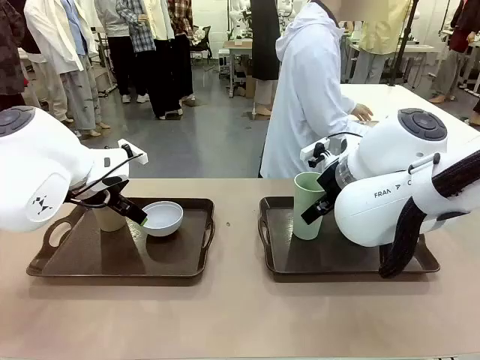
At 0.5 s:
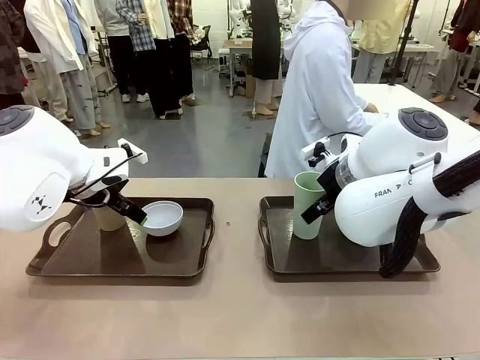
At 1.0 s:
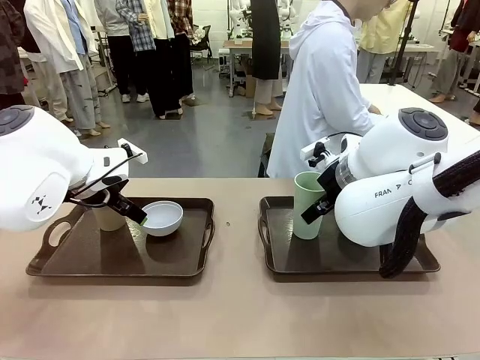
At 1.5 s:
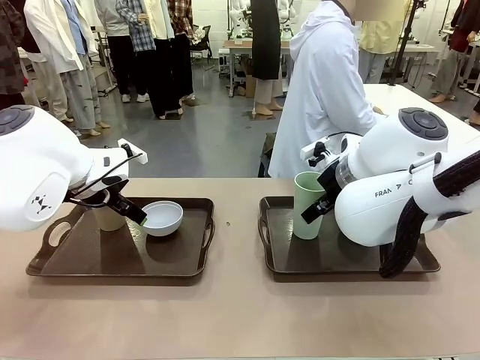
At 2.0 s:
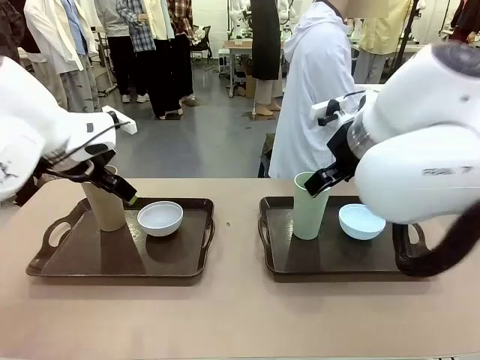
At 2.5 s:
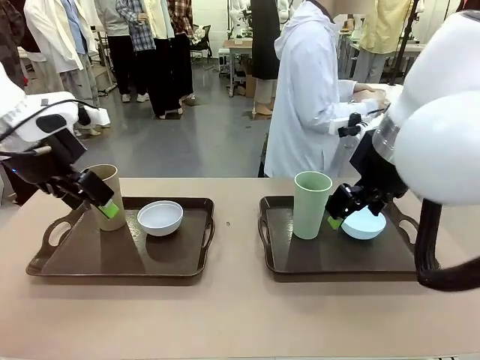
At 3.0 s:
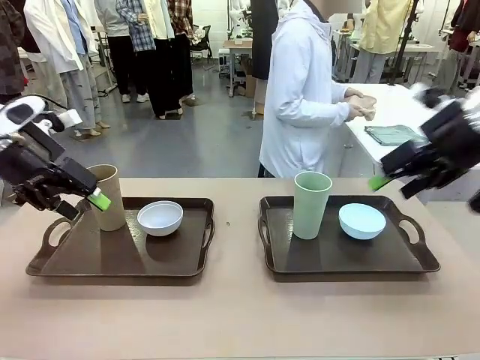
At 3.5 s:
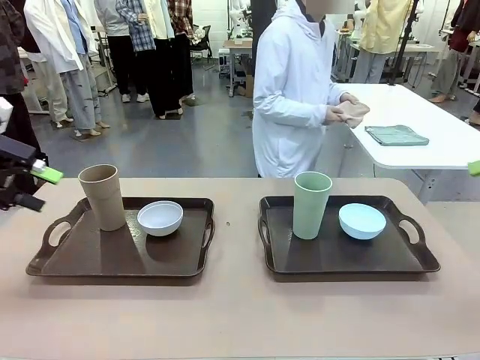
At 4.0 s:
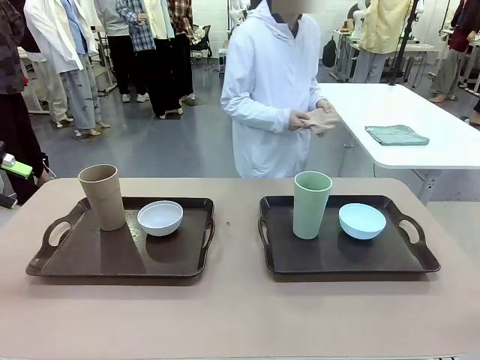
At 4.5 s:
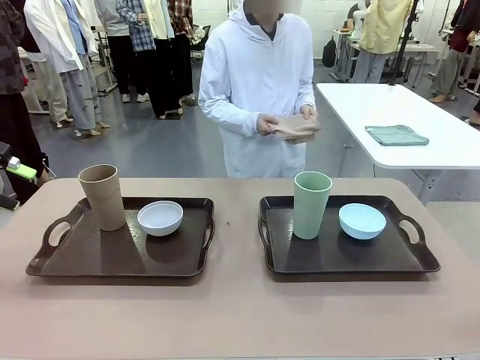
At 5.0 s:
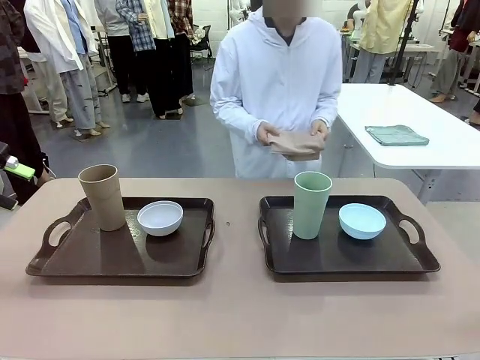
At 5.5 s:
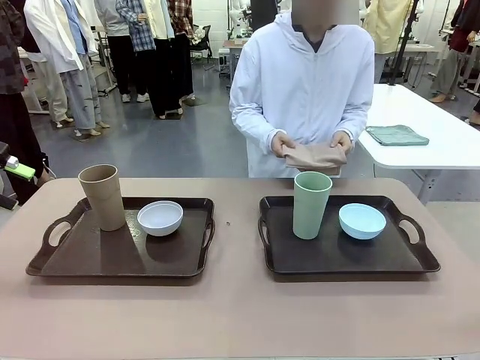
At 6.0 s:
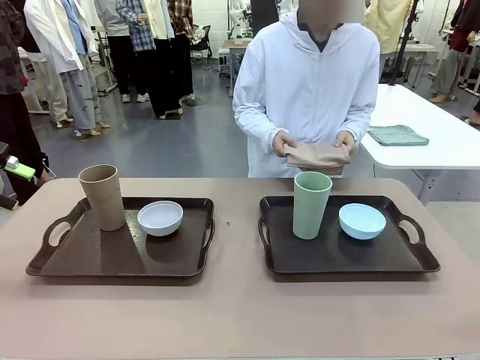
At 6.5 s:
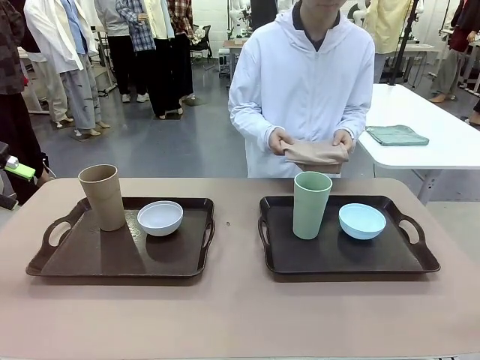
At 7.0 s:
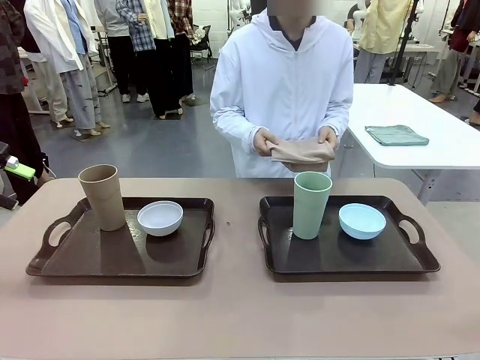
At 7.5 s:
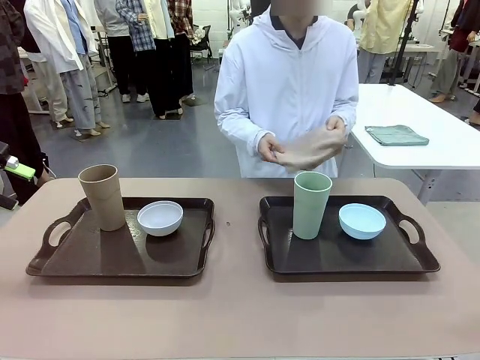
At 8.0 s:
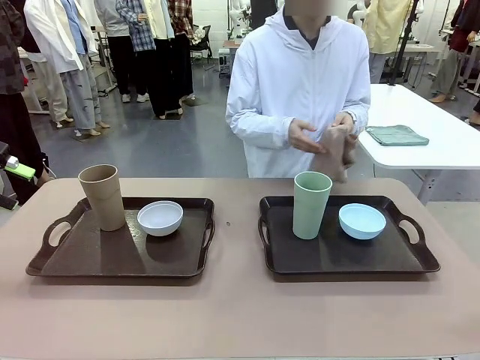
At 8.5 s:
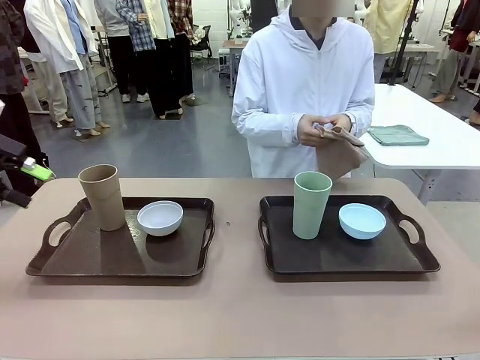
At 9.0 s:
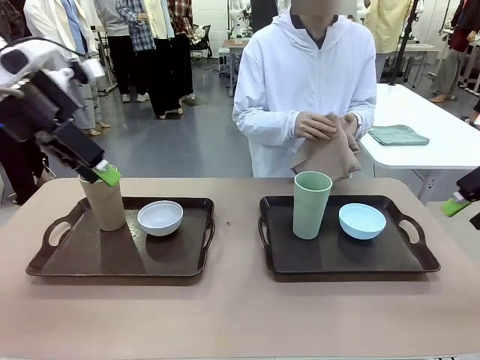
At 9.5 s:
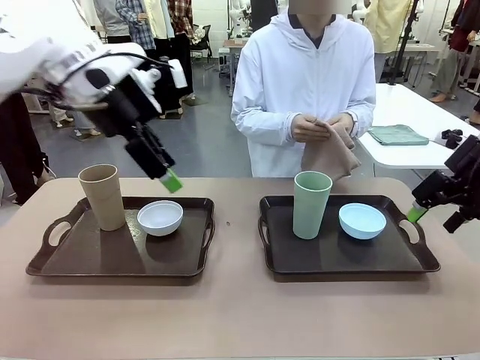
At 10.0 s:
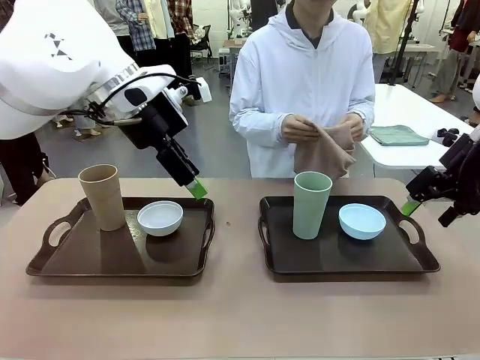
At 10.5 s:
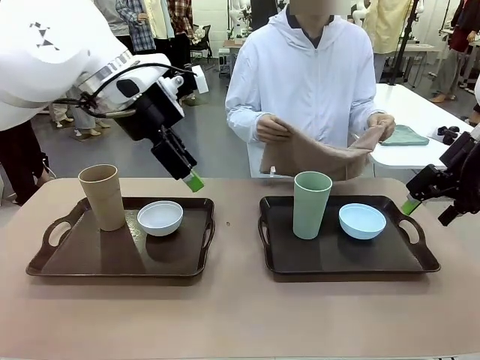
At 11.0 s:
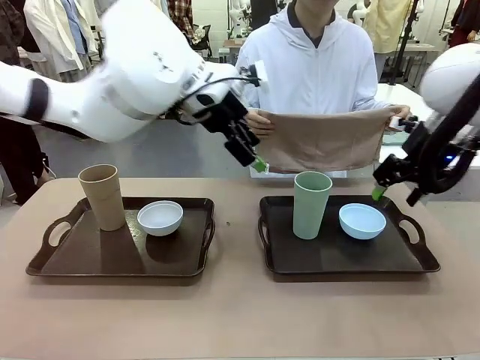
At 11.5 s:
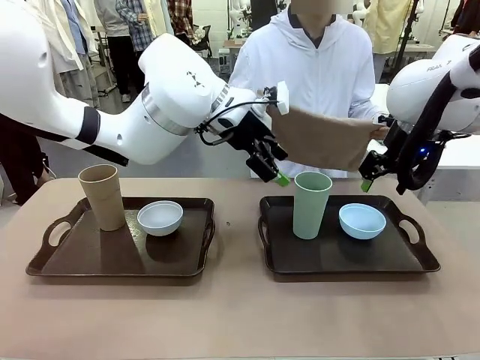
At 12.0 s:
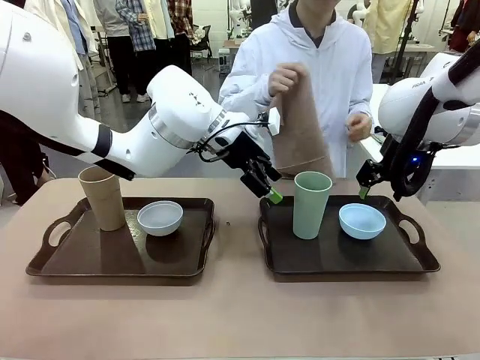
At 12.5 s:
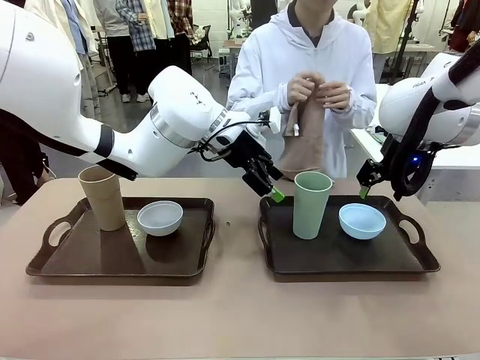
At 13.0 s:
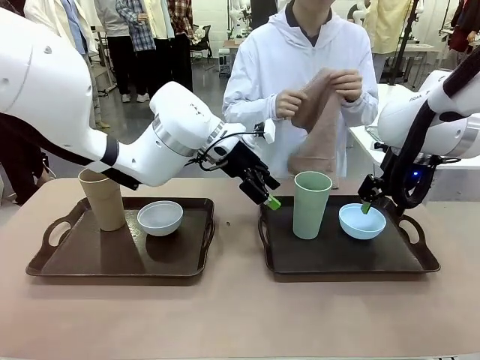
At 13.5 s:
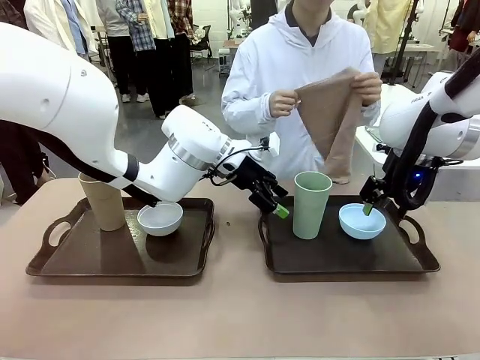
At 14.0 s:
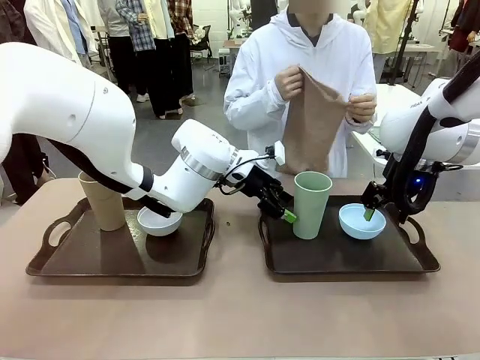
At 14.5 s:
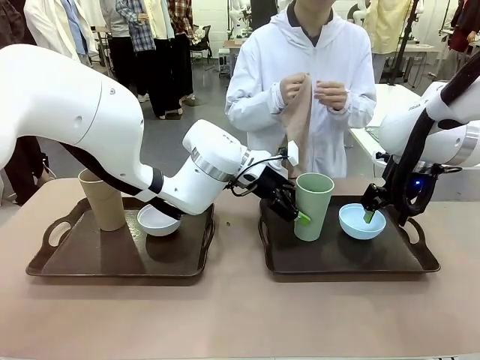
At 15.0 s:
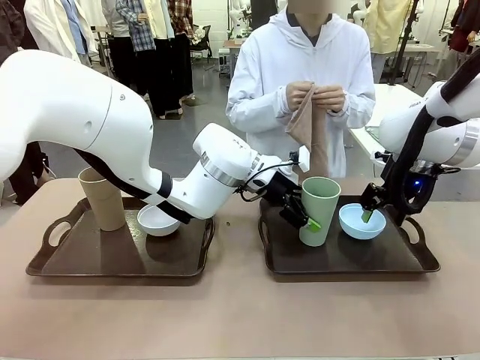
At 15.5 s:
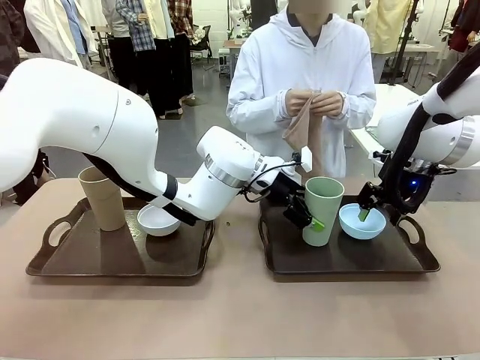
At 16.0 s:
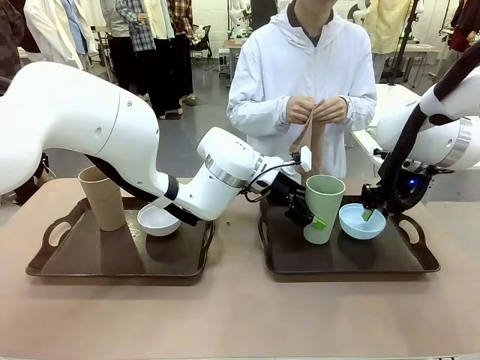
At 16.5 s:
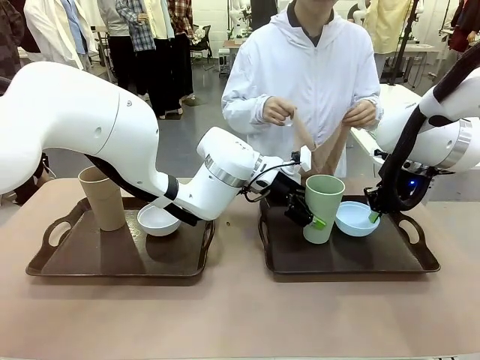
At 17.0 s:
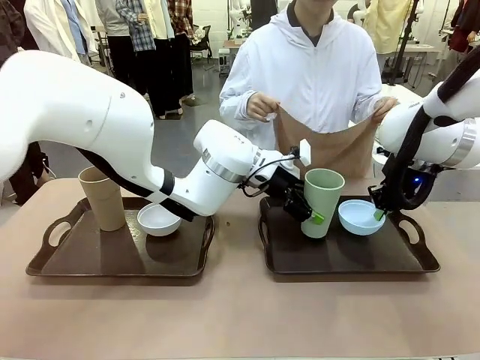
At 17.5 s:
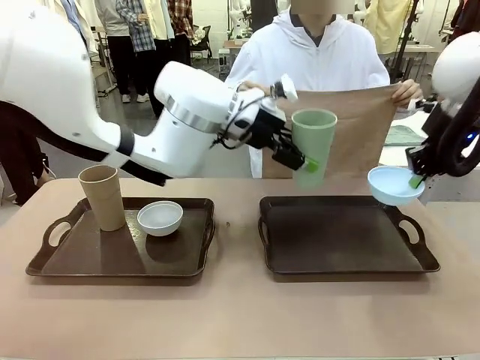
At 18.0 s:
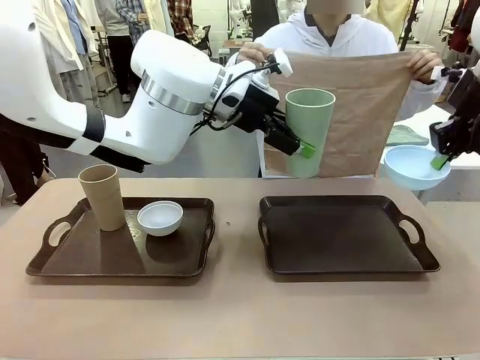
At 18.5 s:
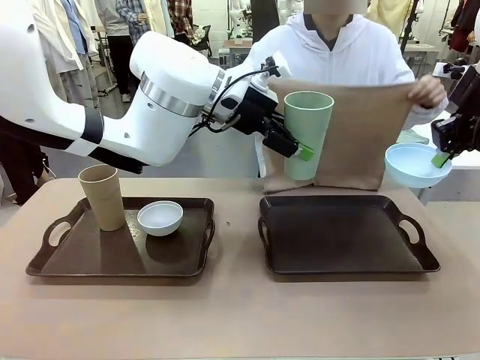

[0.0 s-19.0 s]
Robot: Pick up the Picnic Bowl and Reusable plastic cup from the Handle tray in front of the human's position and hold them in the air.
Person: The human picks up the top napkin from the stack on the human table and walks to the robot table to stand in front of one of the two trays. When the robot lifts the bowl and the cup, the human unfolds the napkin and lays the napkin flat on the tray.

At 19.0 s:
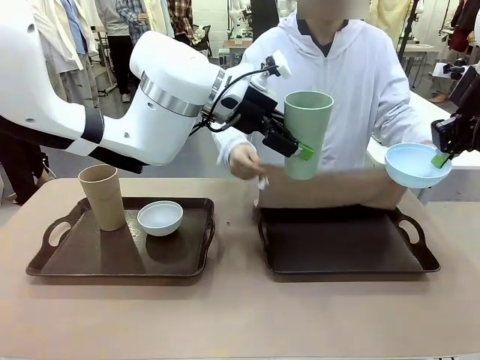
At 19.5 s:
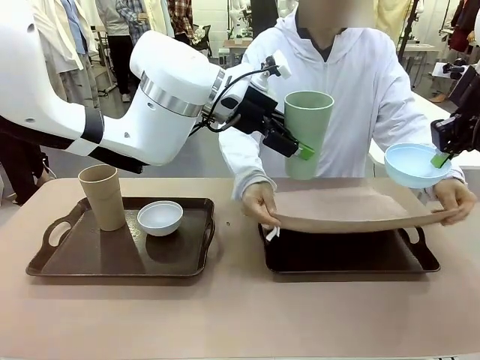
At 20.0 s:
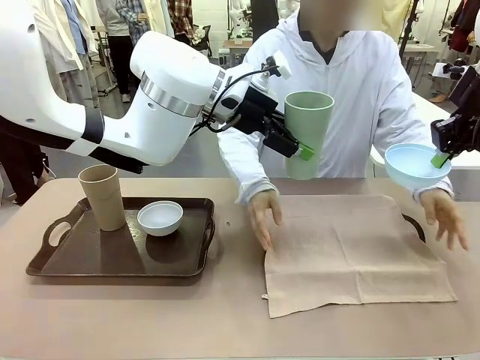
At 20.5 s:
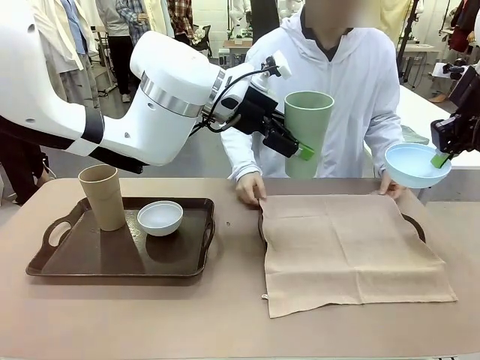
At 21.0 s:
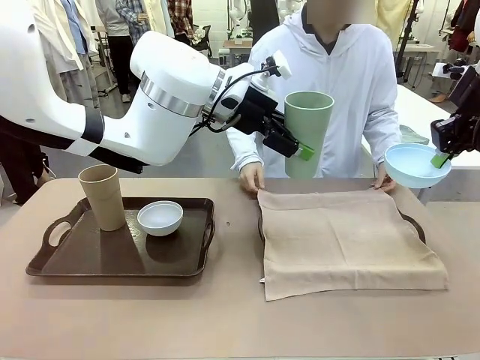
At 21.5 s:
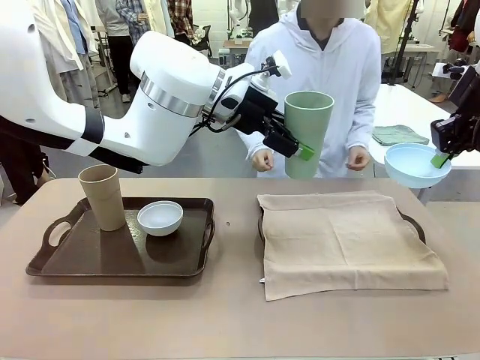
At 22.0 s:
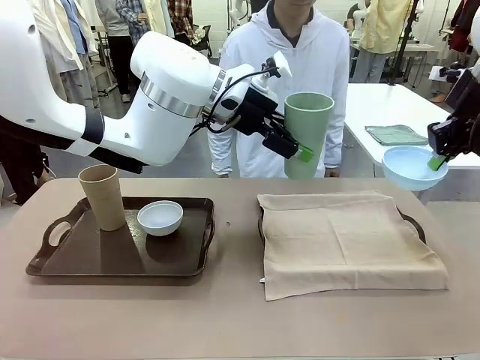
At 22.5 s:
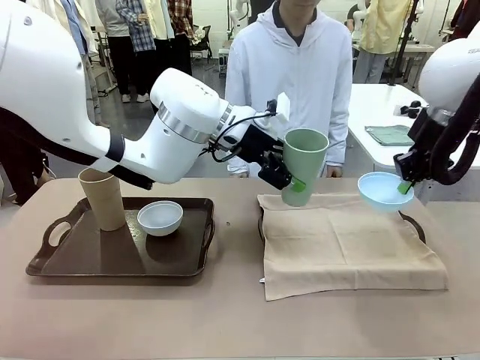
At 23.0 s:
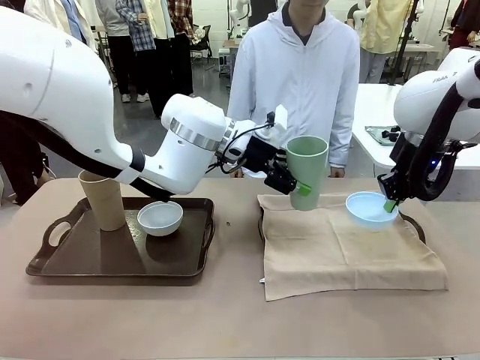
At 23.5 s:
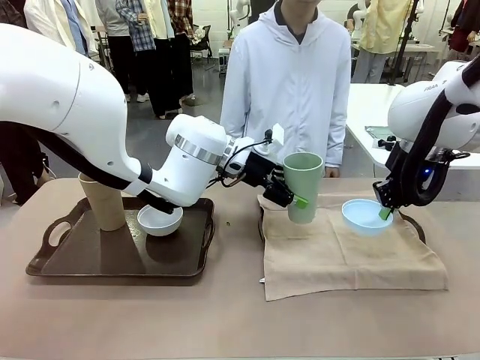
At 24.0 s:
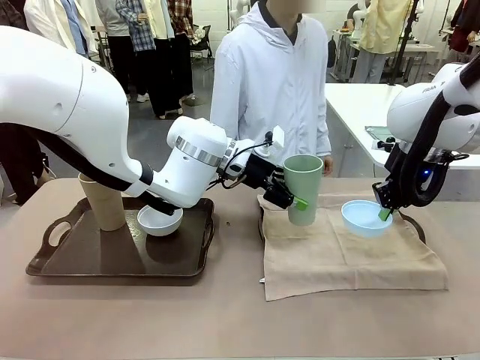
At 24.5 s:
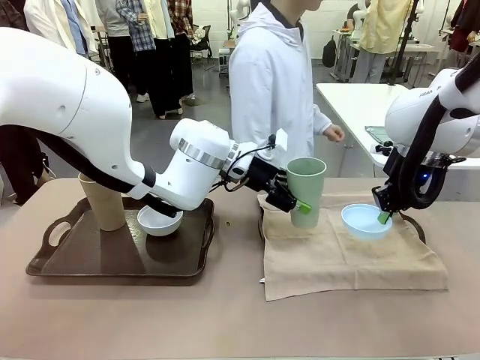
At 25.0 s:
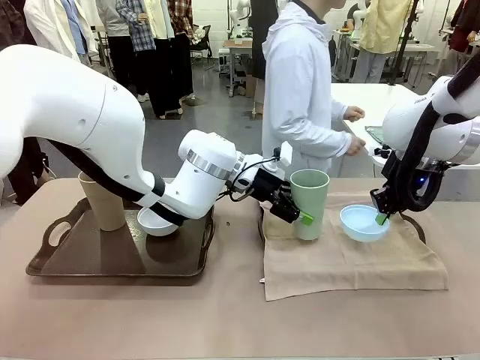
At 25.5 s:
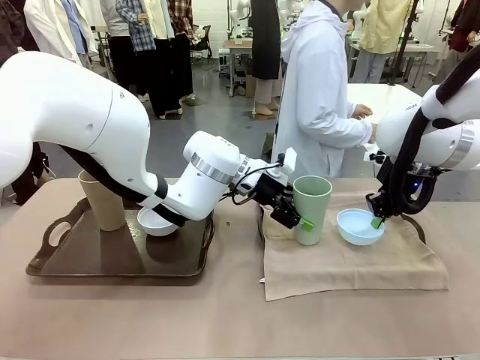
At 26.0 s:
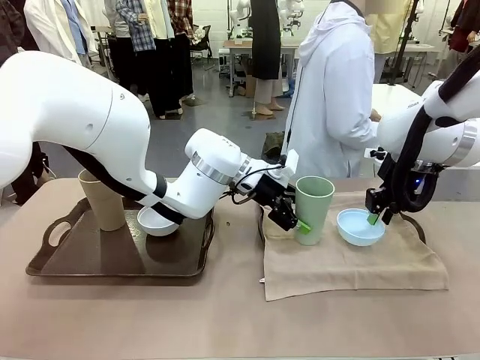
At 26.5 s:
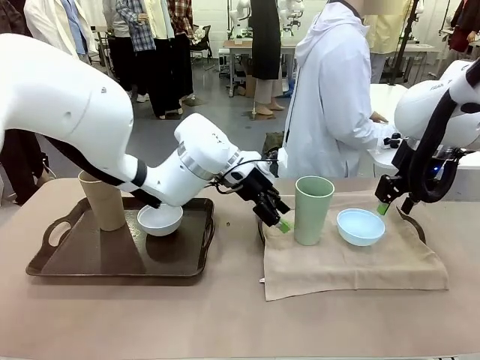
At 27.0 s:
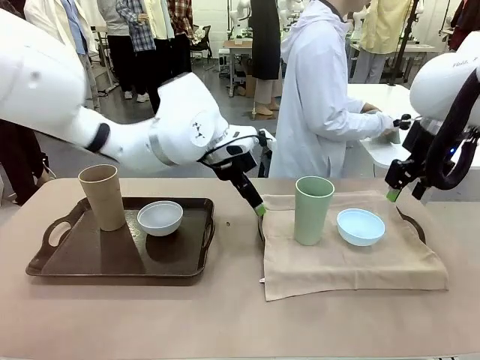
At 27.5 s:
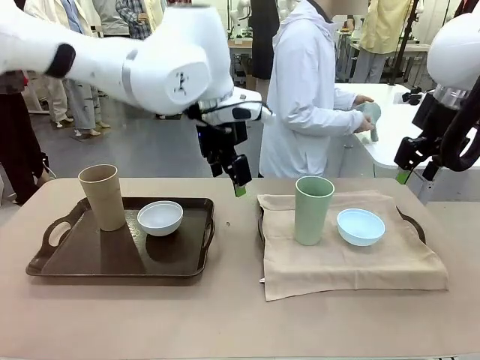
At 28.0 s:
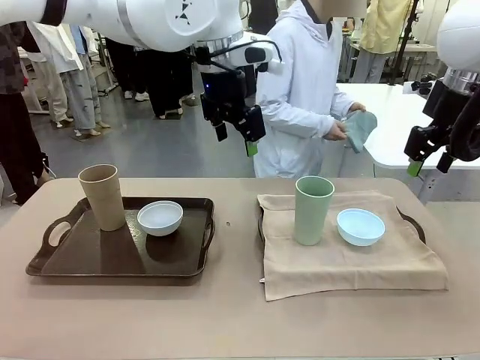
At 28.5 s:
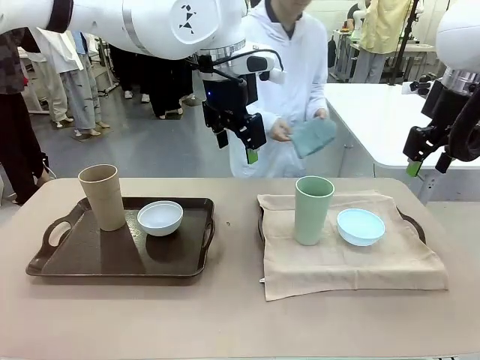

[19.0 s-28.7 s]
Robot: Place the Picnic Bowl and Reusable plastic cup back onto the Handle tray in front of the human's position.
Person: The human returns to the human table to pick up another napkin and walks to the robot table to stand in front of the tray without a napkin.
